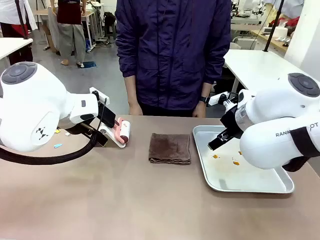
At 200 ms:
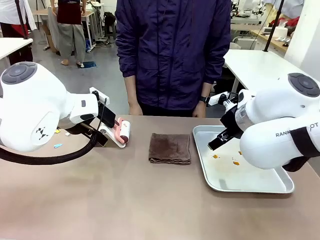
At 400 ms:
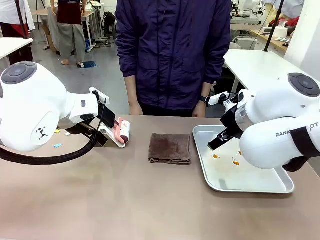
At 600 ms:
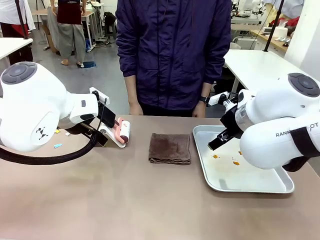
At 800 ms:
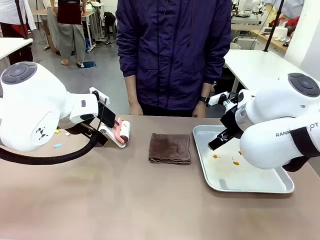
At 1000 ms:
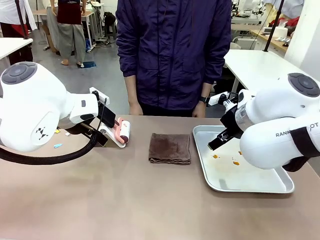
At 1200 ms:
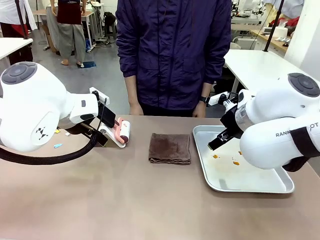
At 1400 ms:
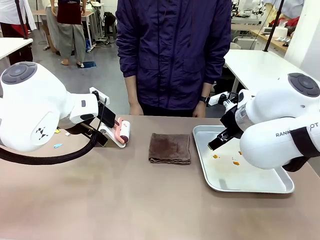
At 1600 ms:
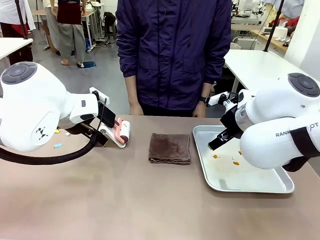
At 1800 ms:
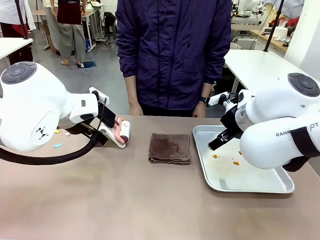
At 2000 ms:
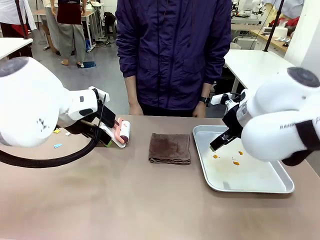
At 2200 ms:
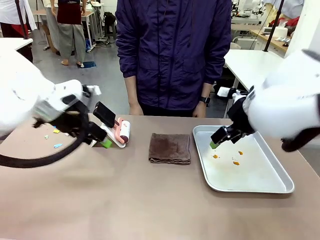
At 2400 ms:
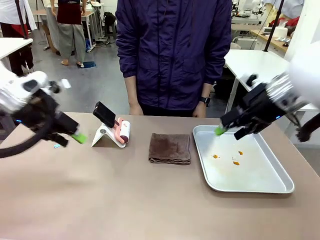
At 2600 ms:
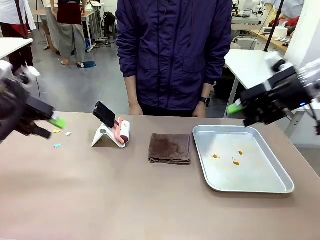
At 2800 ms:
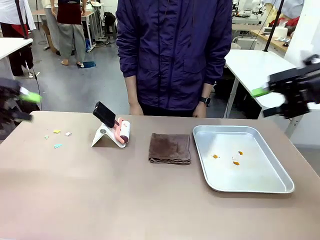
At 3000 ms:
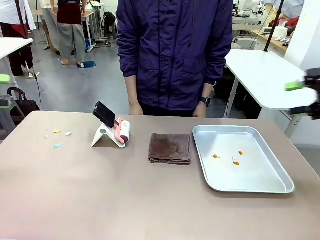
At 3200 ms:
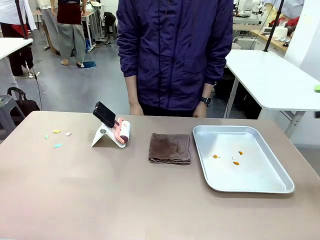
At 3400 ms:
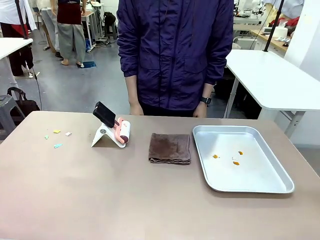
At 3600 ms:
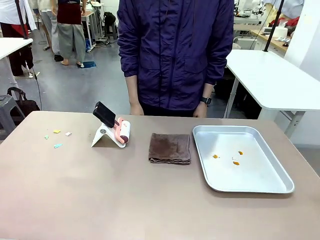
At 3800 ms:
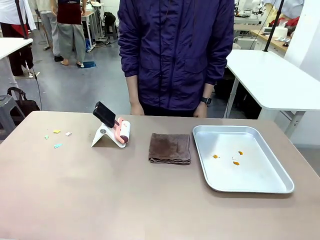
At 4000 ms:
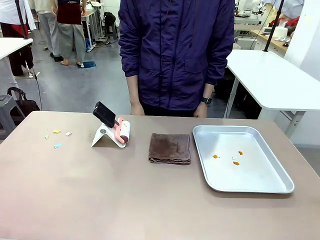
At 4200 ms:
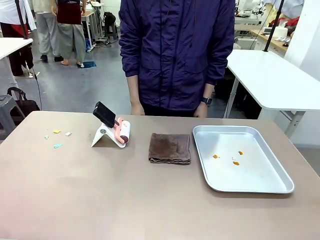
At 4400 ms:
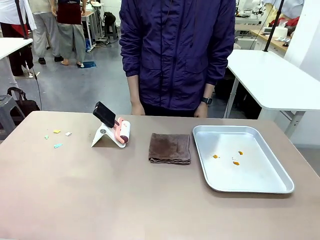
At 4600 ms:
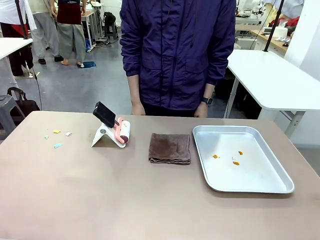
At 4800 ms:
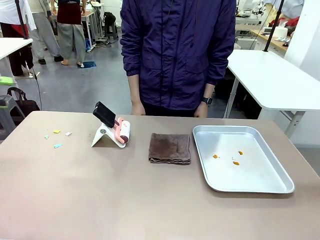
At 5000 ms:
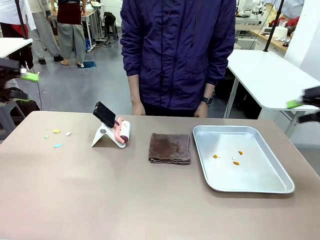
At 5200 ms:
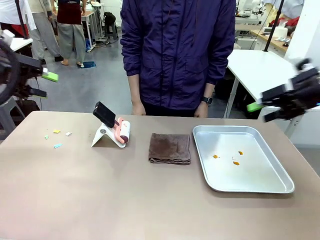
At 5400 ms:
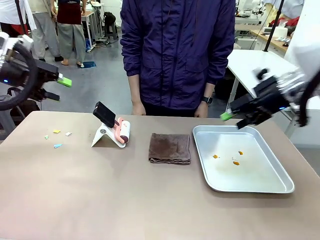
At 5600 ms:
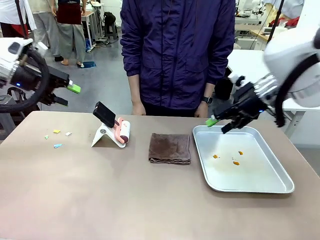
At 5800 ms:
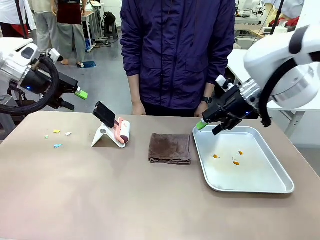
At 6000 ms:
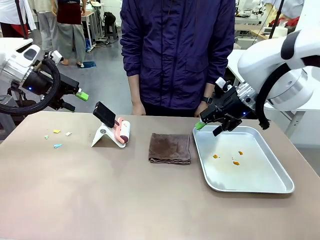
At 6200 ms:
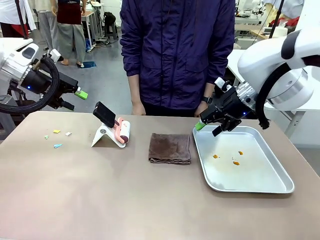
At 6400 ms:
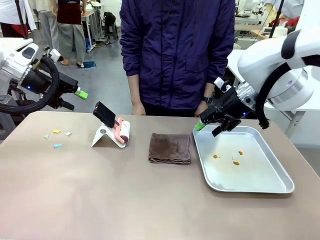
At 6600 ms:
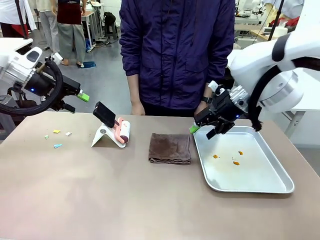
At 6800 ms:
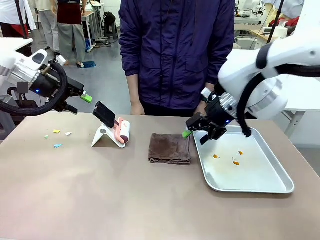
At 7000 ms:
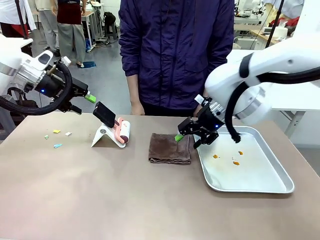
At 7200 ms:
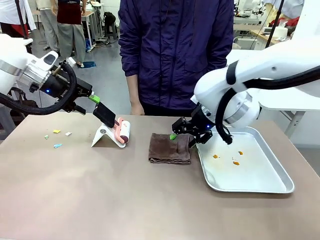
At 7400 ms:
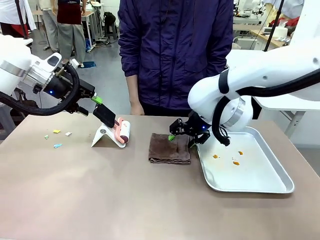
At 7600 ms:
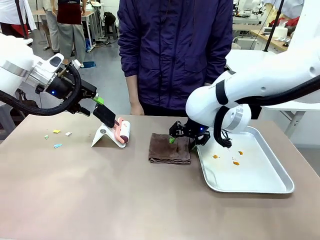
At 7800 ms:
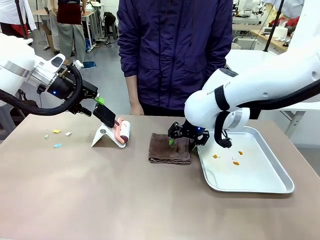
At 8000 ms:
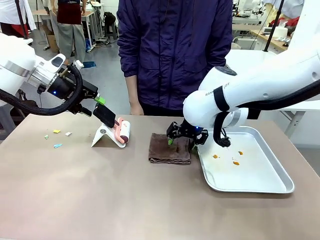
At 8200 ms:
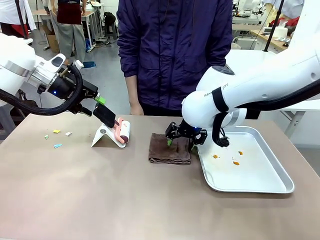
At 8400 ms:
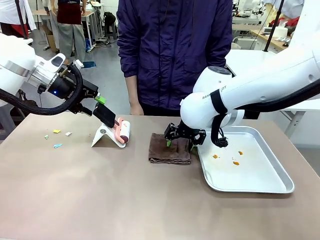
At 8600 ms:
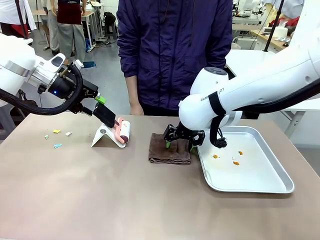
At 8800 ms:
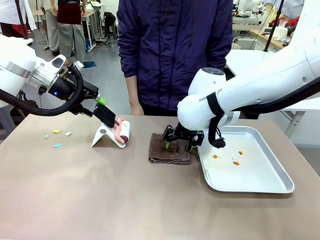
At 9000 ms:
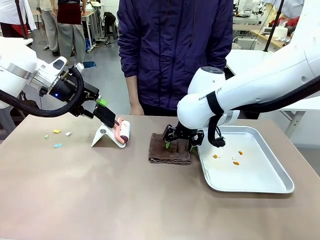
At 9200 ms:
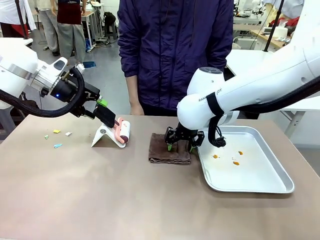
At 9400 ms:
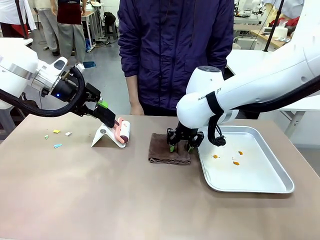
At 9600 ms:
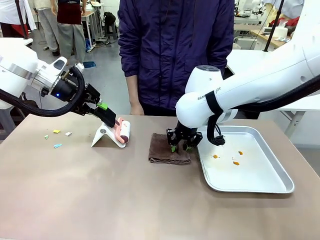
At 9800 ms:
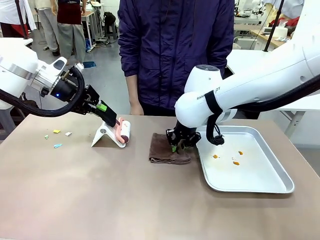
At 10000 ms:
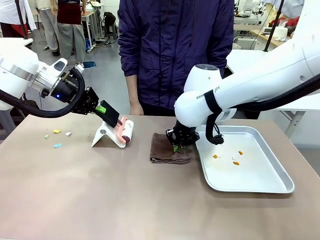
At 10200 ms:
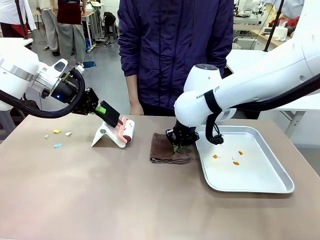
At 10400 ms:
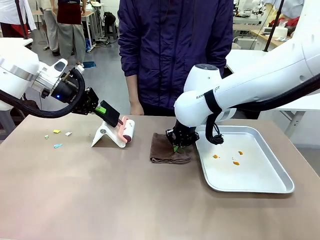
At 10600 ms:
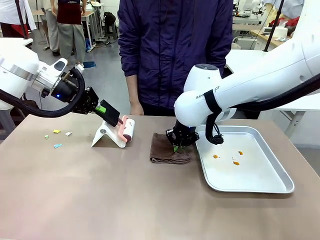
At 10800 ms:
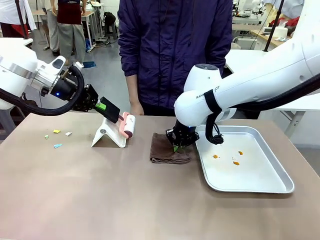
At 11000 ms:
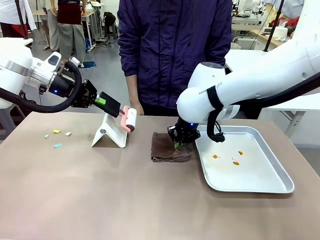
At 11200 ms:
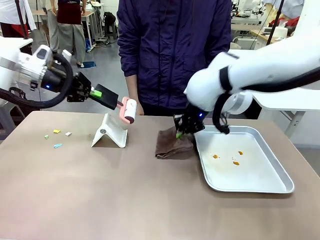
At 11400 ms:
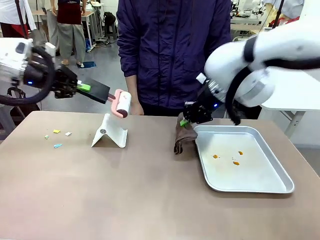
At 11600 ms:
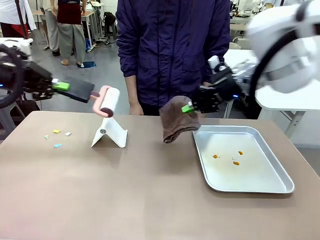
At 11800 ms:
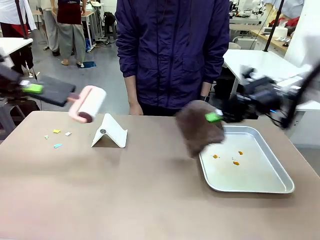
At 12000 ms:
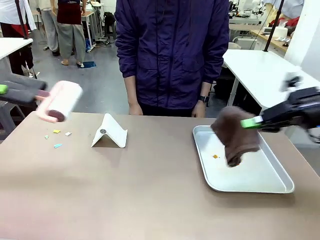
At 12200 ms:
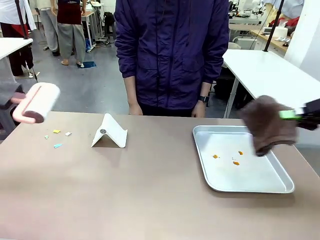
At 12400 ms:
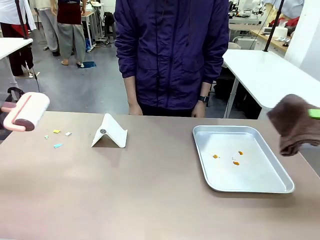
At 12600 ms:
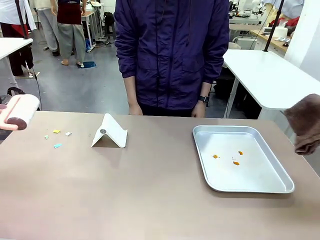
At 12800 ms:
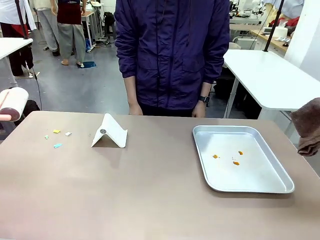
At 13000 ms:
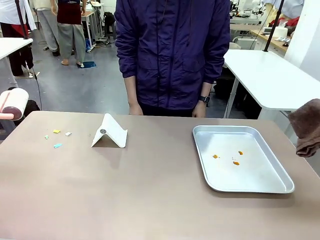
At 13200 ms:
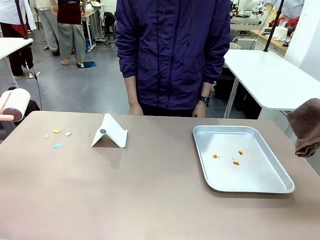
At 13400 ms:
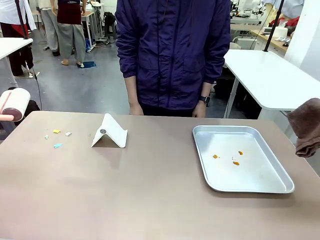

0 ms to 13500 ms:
Task: Clean the surface of the table.
Robot: Hold the Lint Roller with your left hand and the towel with your right hand.

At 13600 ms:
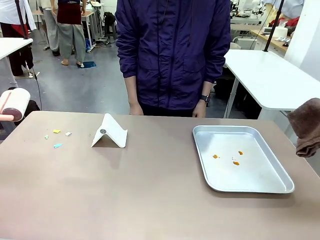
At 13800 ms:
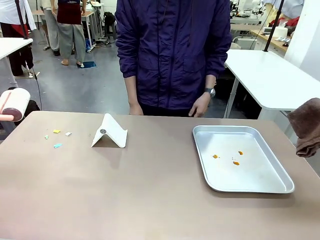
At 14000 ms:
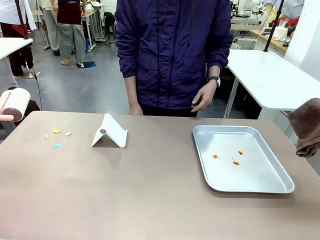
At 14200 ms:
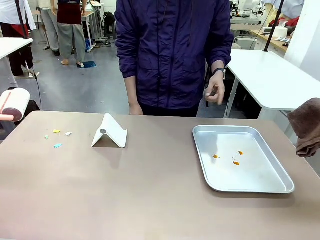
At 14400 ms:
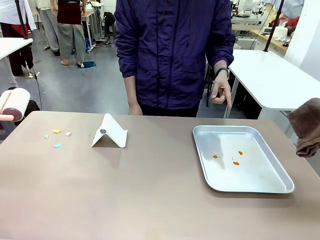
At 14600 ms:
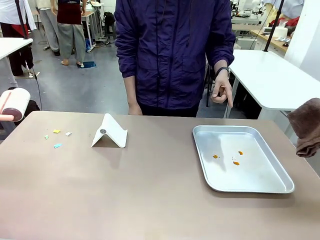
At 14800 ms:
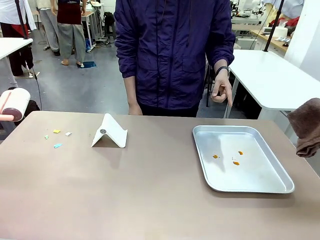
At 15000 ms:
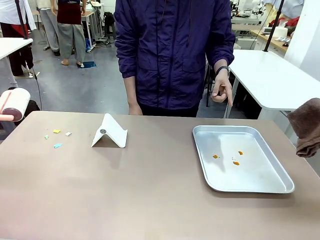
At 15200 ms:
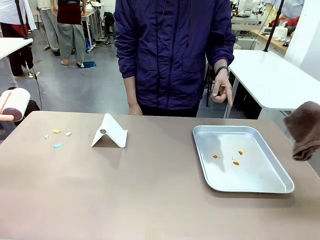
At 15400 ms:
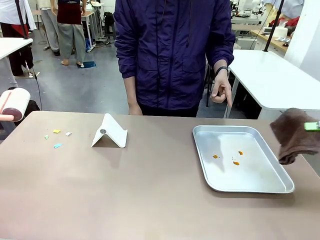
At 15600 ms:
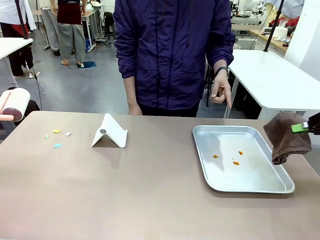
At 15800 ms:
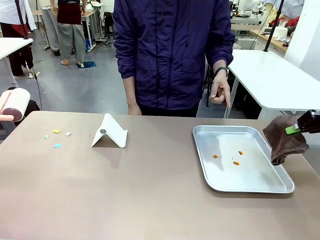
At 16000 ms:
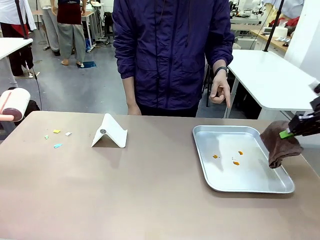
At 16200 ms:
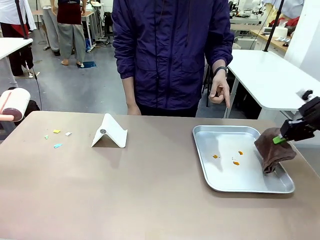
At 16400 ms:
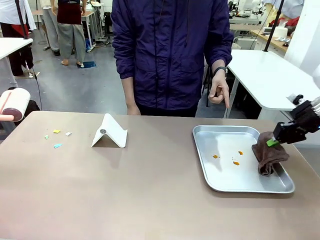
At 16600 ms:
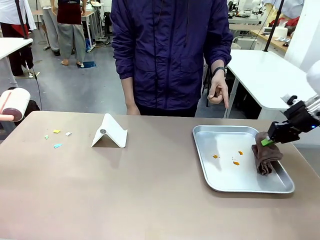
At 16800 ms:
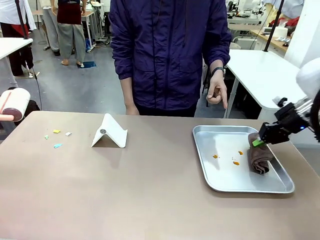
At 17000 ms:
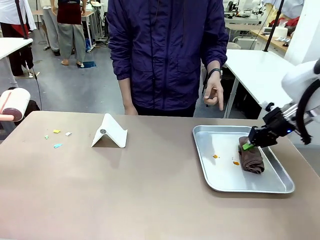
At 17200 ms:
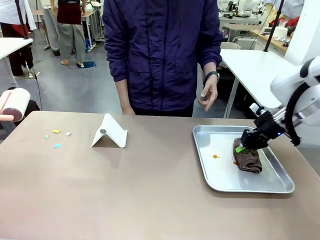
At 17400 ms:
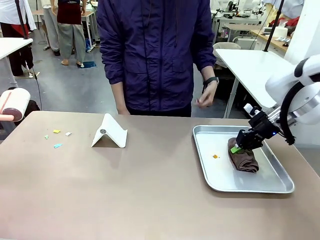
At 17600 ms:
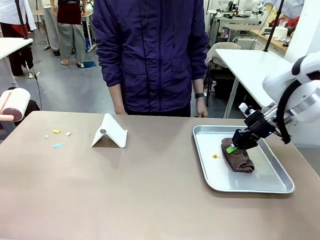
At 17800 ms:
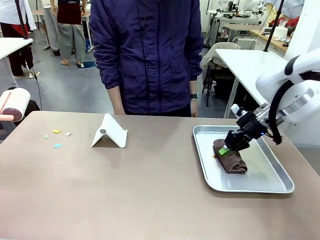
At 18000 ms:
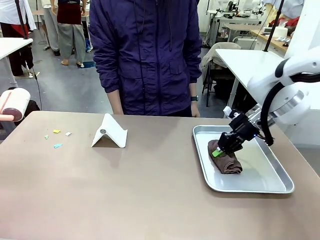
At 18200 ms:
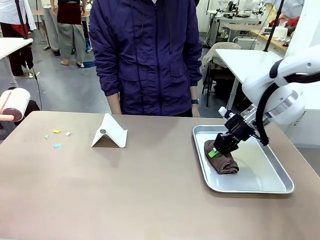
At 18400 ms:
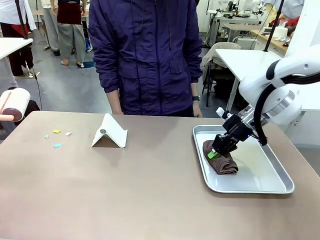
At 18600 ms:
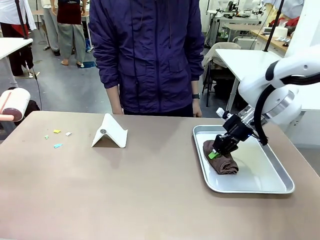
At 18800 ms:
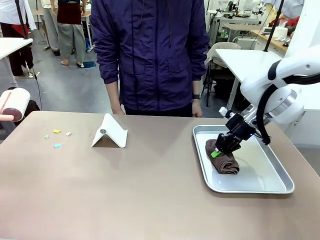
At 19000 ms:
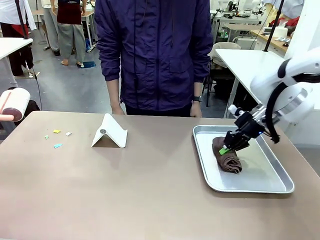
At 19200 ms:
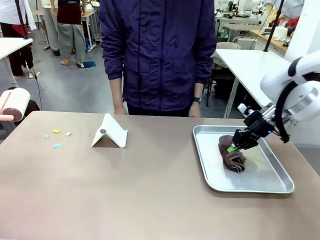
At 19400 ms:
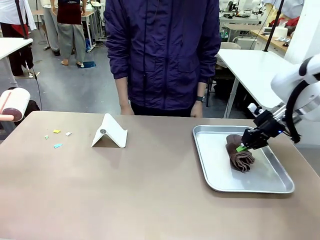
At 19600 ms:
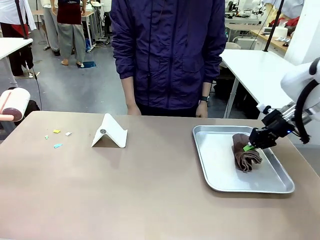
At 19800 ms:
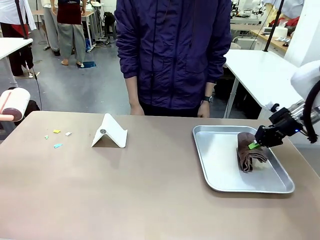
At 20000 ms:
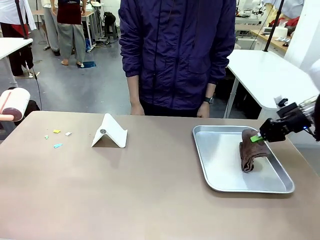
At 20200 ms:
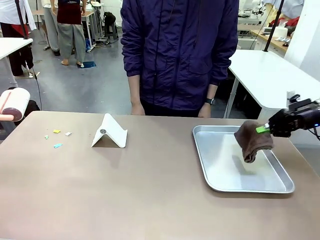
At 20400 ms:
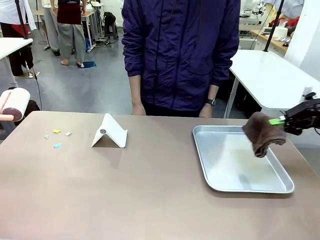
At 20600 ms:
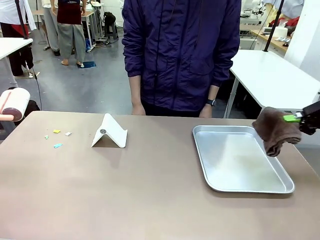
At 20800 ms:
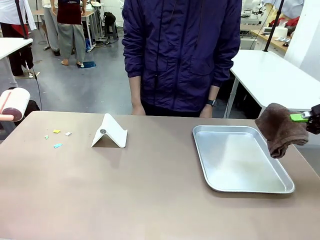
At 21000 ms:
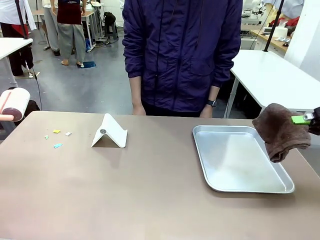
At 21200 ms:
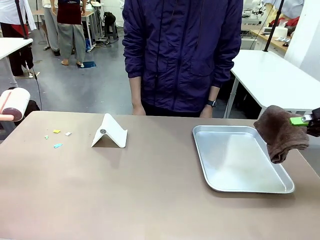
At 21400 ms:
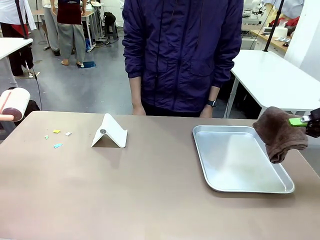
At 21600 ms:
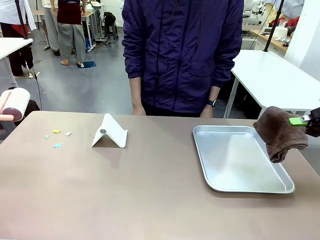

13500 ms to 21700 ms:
Robot: If a person points to the right, clean the right side of the table with your right hand, and if they point to the left, clean the left side with your left hand.
